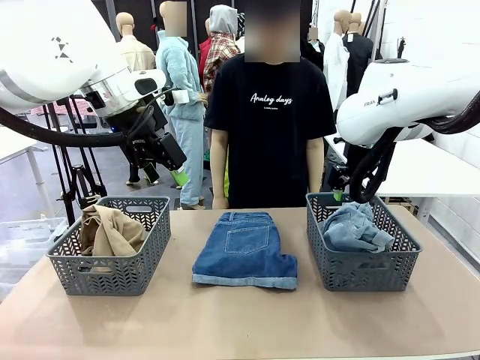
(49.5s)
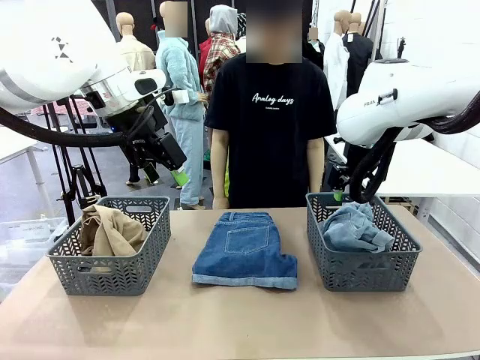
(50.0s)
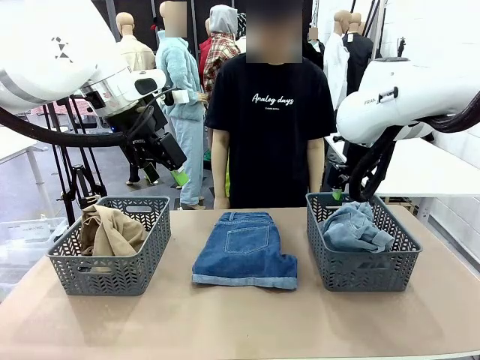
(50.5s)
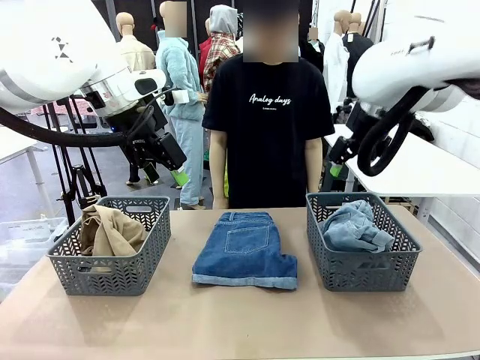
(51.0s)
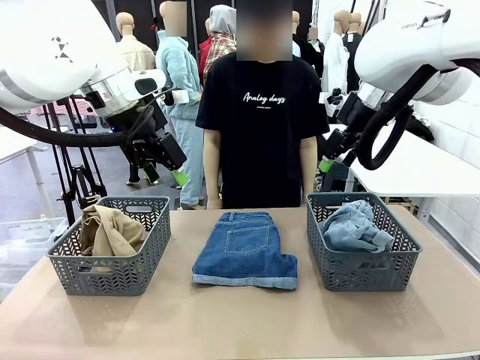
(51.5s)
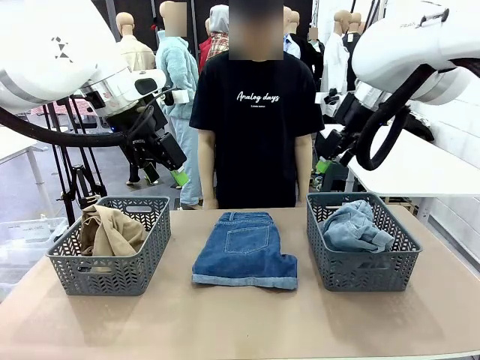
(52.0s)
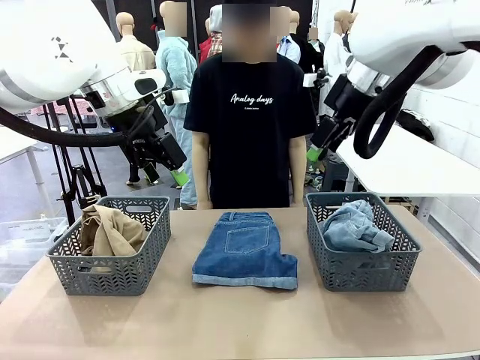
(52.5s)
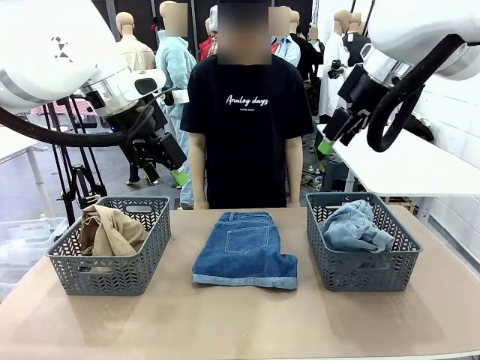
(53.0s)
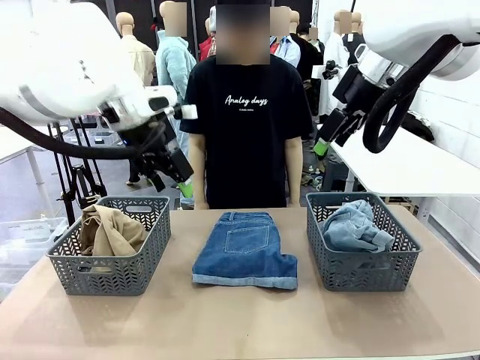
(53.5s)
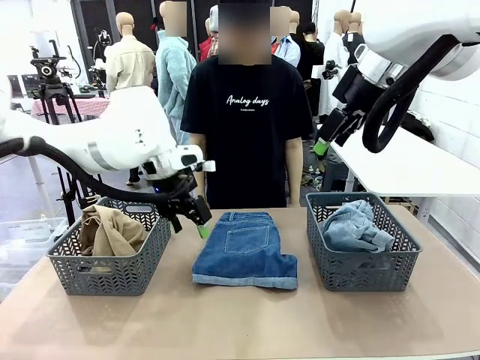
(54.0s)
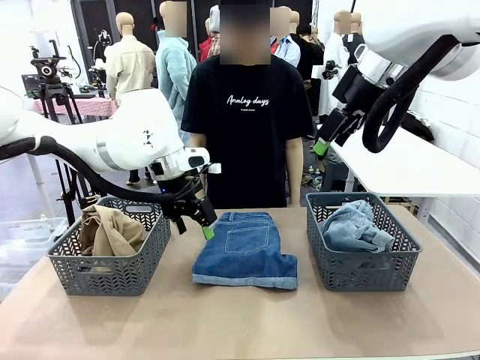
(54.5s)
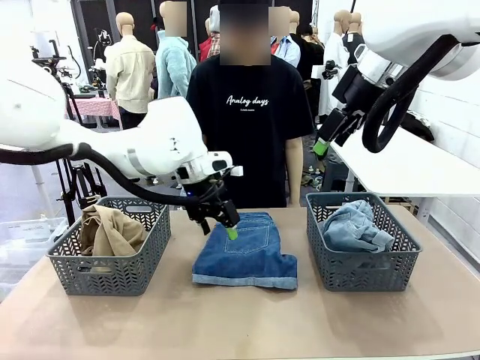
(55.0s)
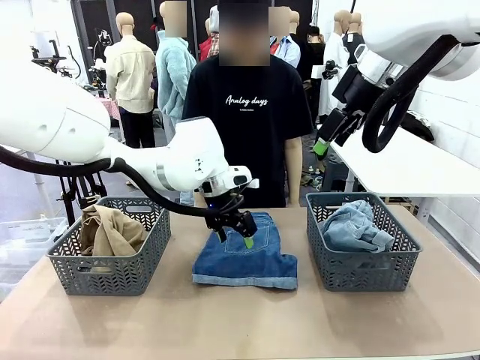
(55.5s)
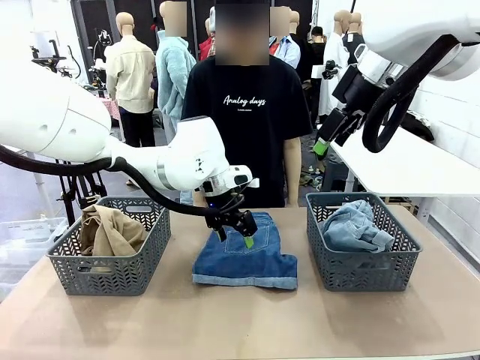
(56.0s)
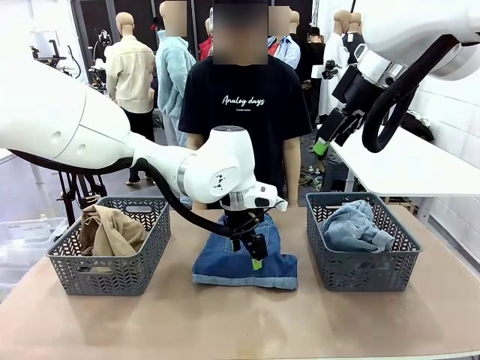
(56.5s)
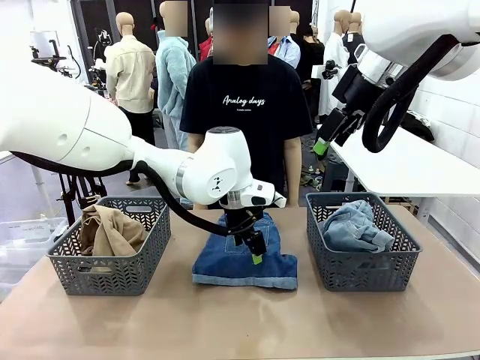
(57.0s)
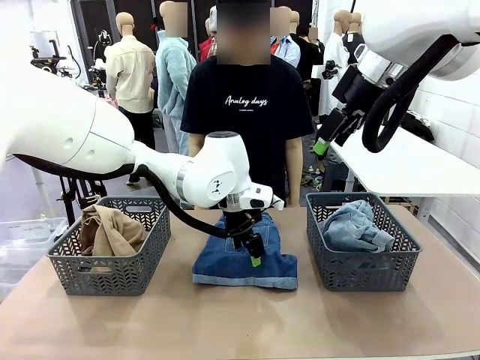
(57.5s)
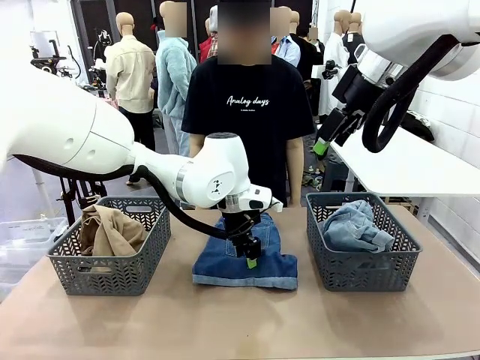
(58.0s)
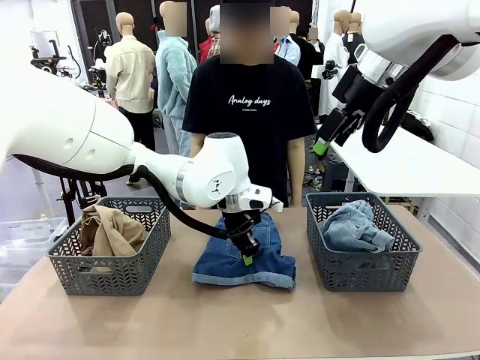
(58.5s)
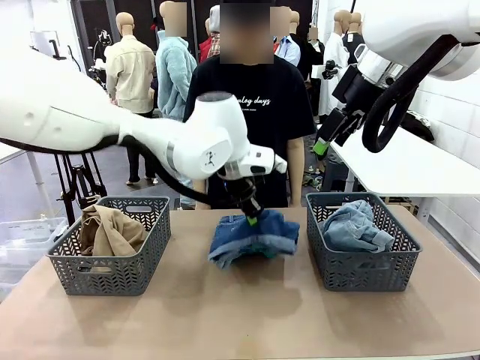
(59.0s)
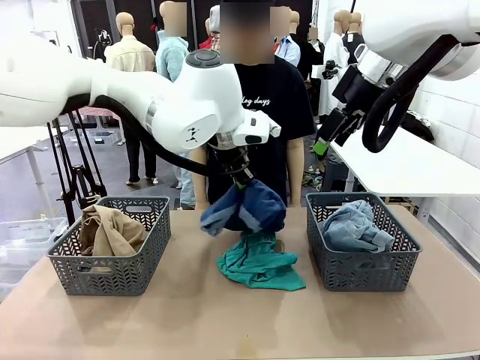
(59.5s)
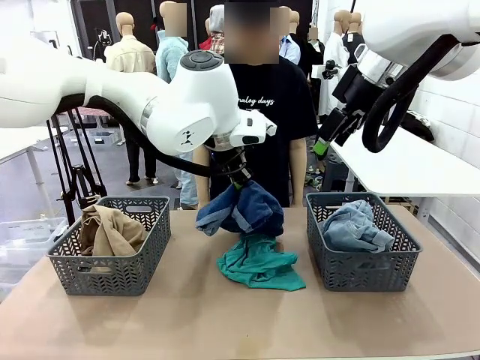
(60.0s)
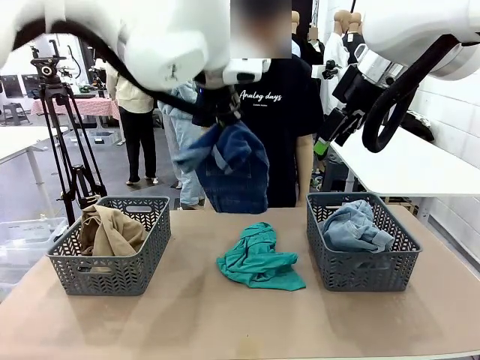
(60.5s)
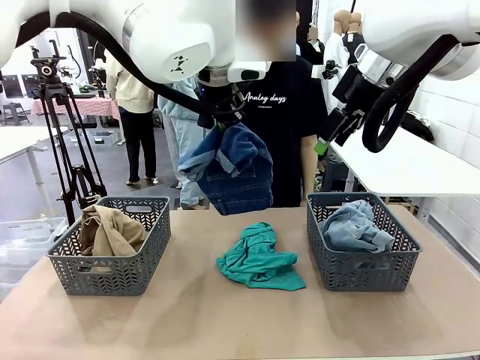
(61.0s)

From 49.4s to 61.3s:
Task: Sort the tops and bottoms.
Robot: Lift clothes from the center of the table with your left hand.

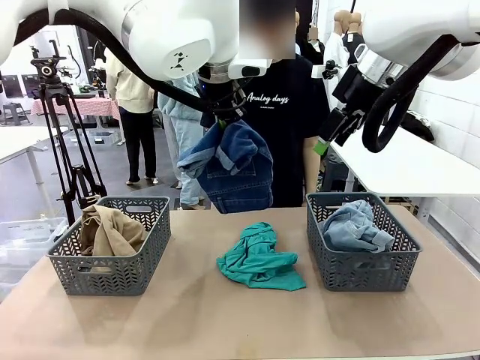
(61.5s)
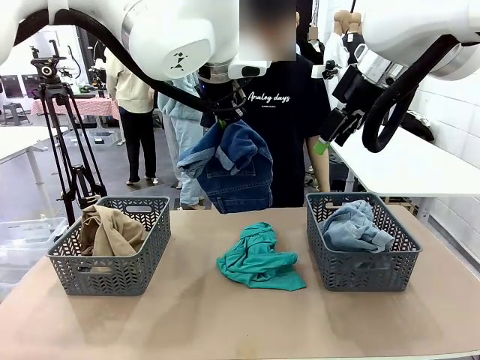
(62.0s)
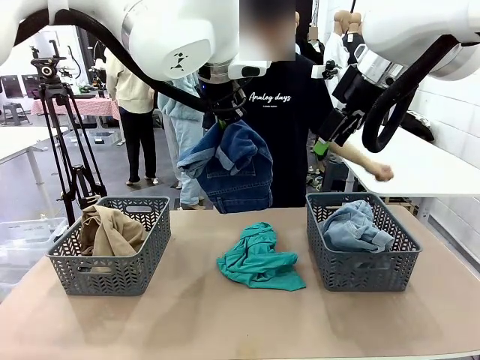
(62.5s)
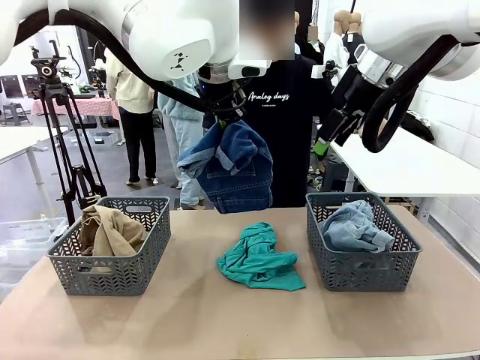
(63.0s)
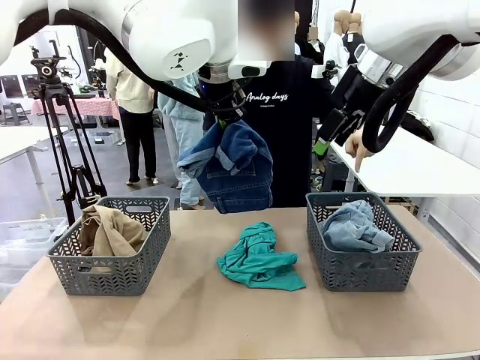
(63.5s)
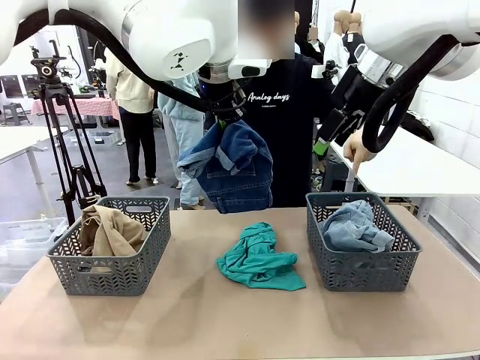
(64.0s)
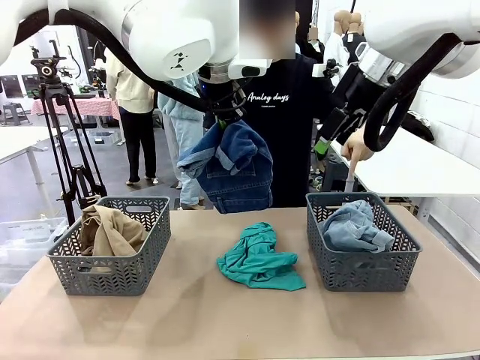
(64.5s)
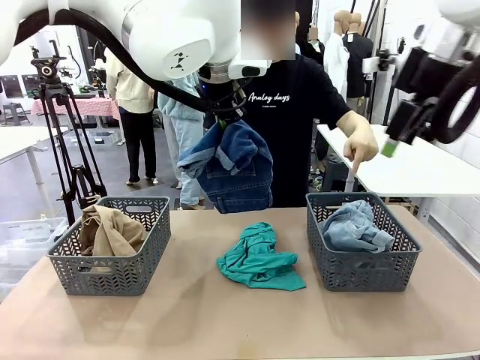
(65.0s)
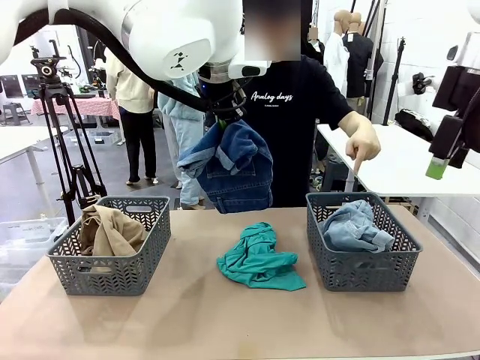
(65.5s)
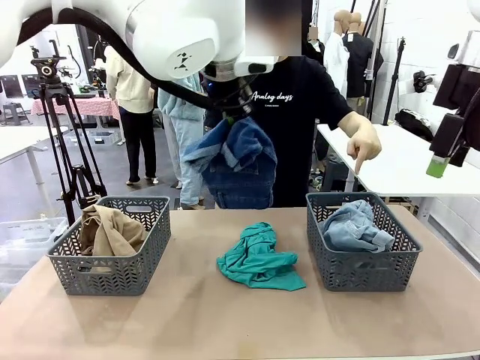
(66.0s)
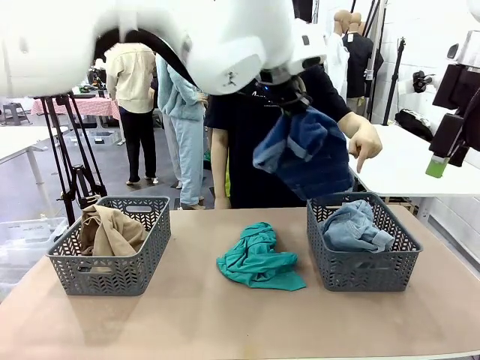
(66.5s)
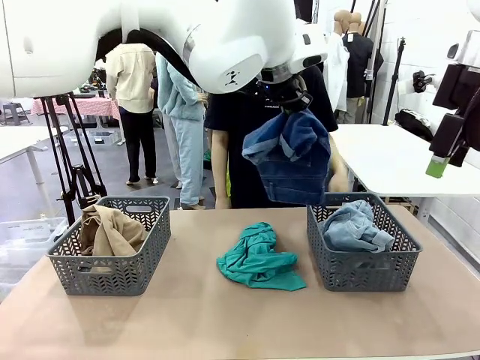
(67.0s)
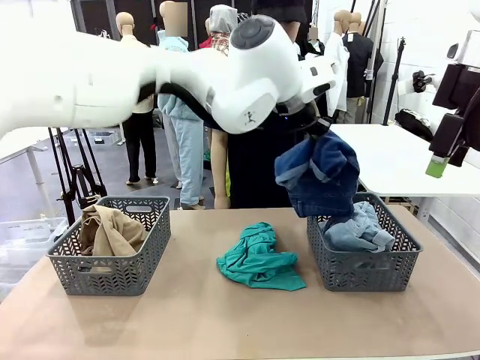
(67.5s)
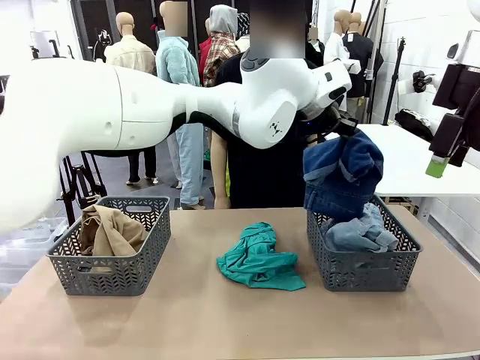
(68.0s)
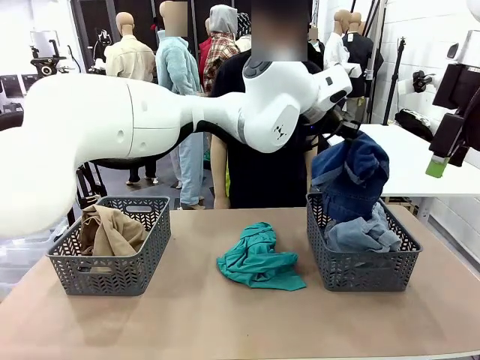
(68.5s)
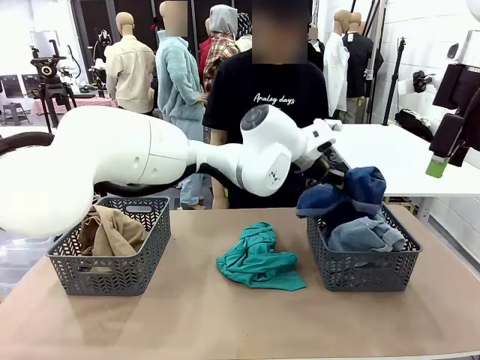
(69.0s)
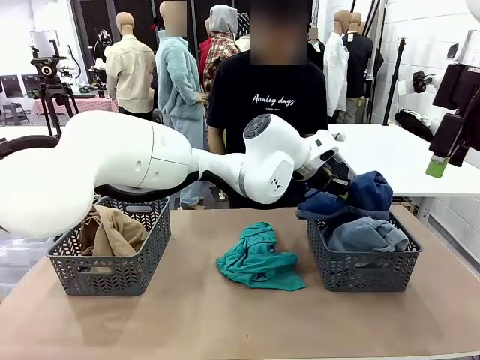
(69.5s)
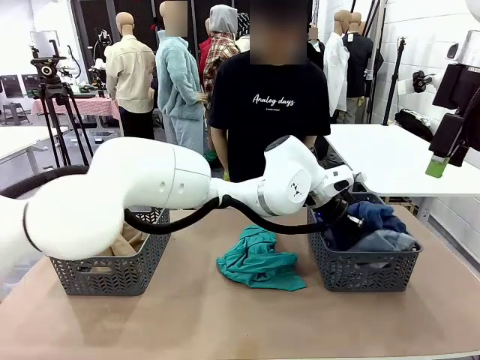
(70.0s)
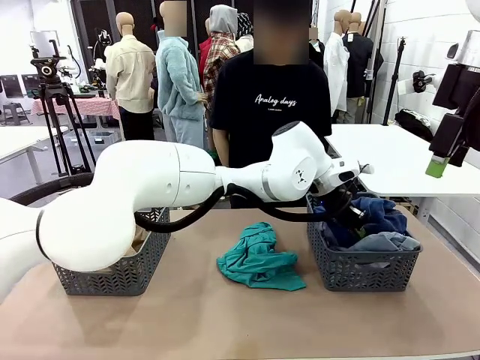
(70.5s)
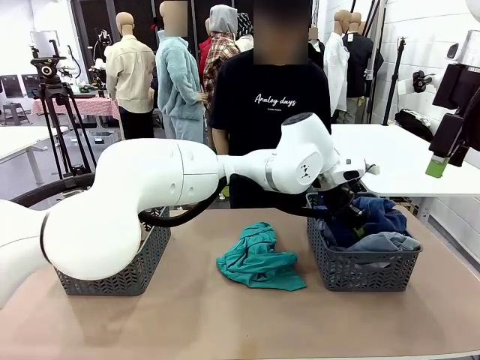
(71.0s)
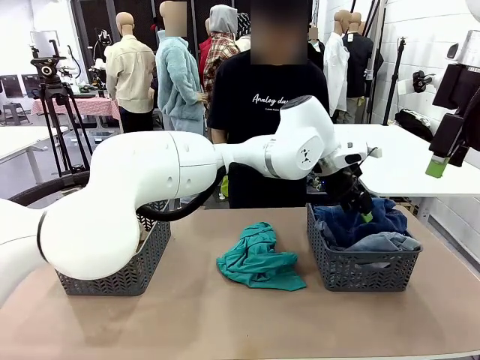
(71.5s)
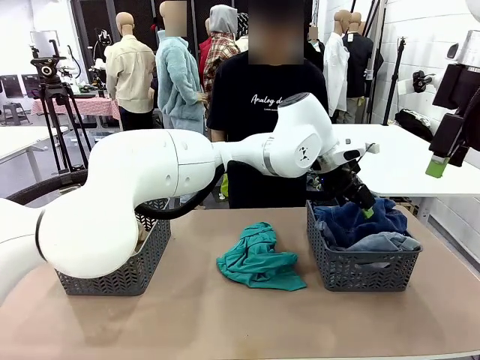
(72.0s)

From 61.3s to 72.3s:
Robot: Sort the clothes according to human instructions.
